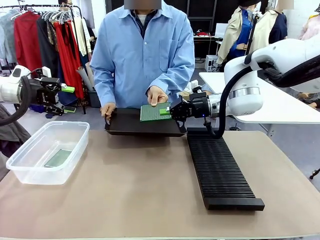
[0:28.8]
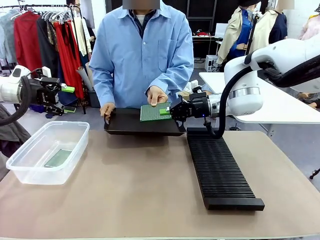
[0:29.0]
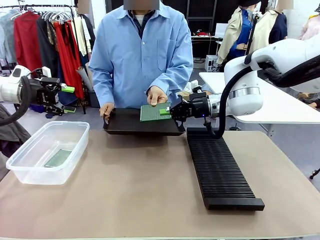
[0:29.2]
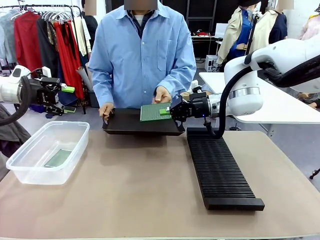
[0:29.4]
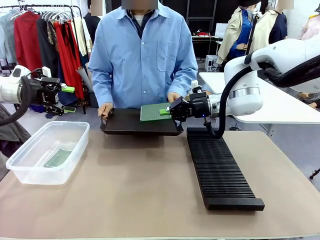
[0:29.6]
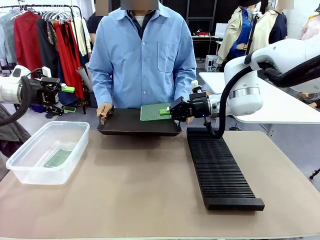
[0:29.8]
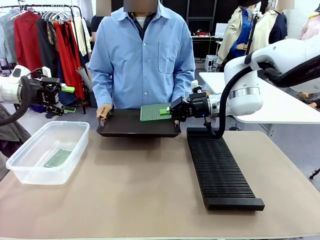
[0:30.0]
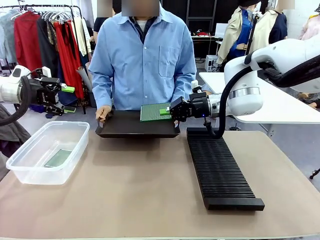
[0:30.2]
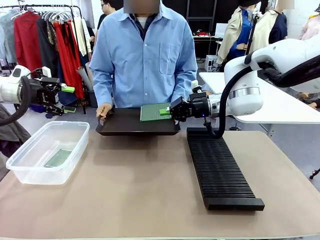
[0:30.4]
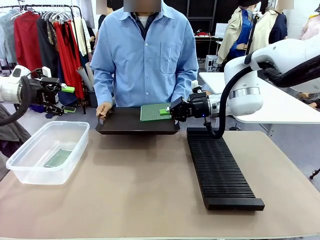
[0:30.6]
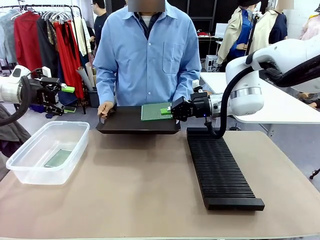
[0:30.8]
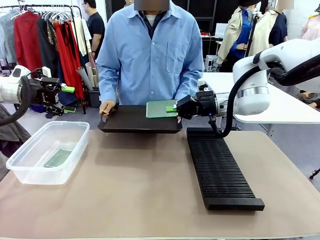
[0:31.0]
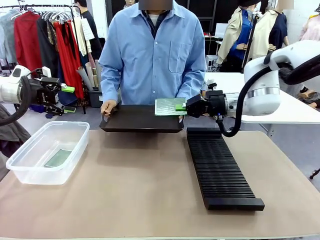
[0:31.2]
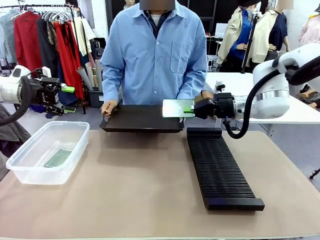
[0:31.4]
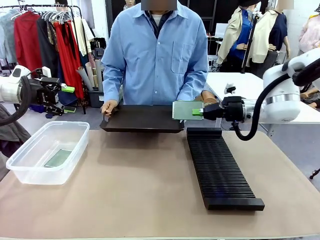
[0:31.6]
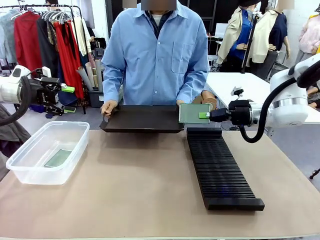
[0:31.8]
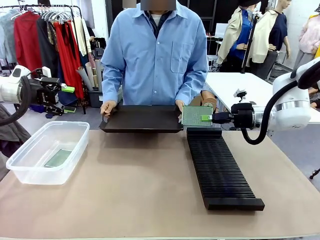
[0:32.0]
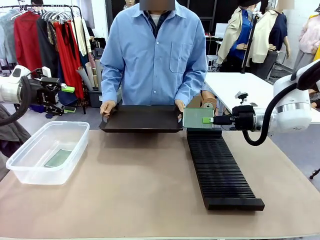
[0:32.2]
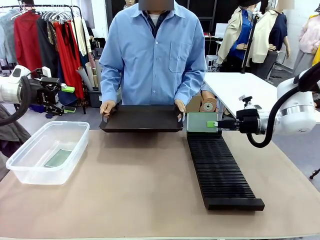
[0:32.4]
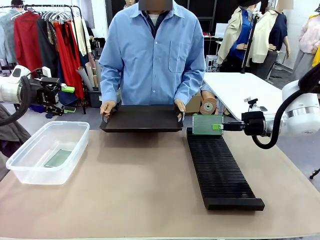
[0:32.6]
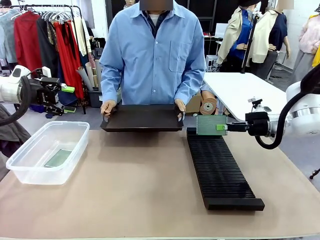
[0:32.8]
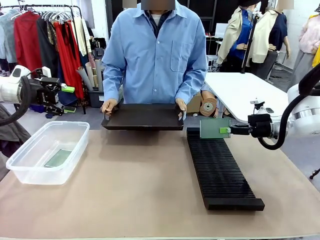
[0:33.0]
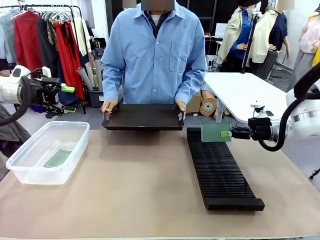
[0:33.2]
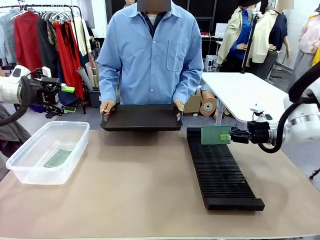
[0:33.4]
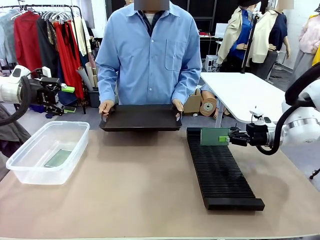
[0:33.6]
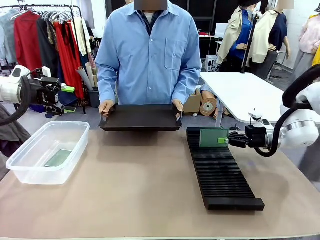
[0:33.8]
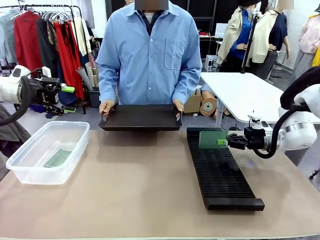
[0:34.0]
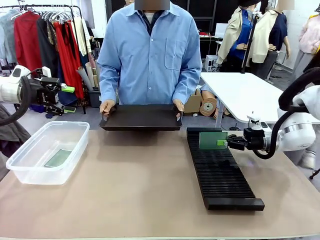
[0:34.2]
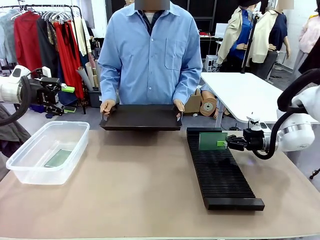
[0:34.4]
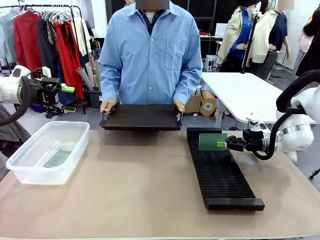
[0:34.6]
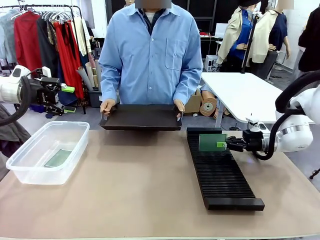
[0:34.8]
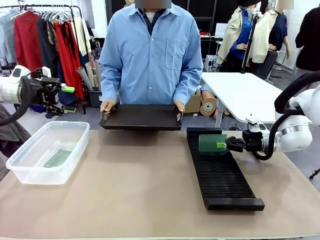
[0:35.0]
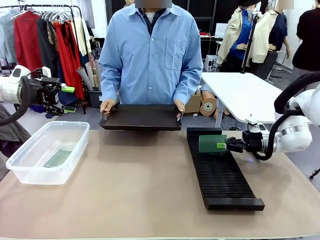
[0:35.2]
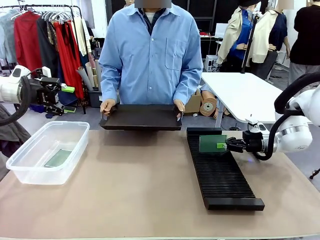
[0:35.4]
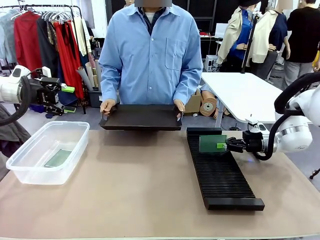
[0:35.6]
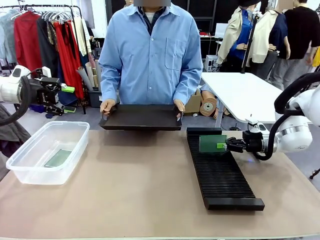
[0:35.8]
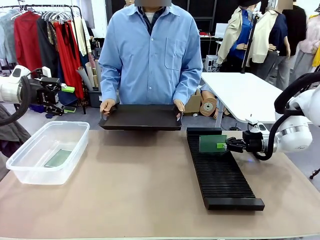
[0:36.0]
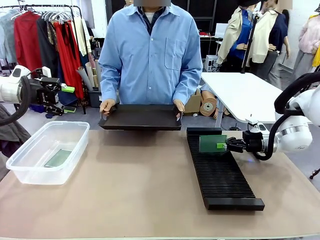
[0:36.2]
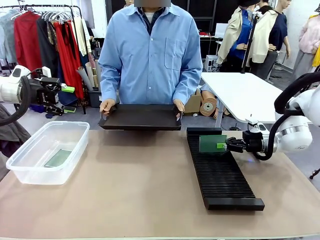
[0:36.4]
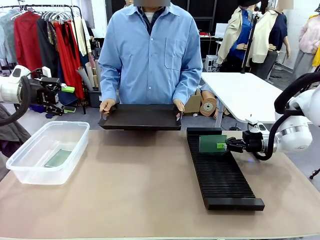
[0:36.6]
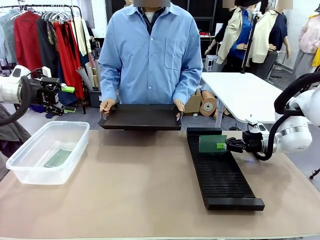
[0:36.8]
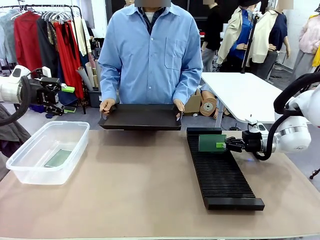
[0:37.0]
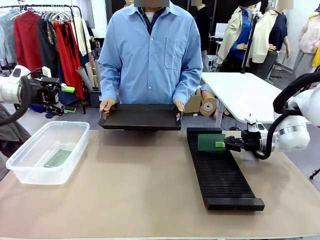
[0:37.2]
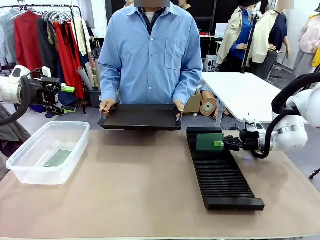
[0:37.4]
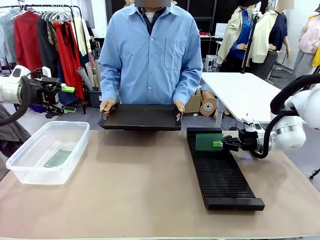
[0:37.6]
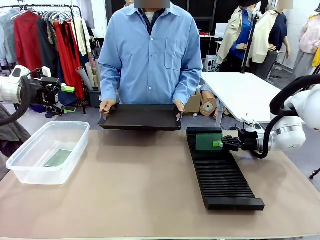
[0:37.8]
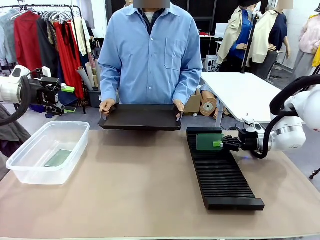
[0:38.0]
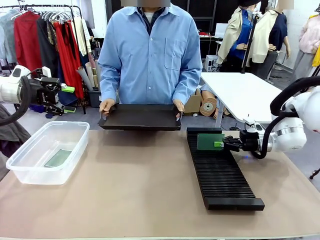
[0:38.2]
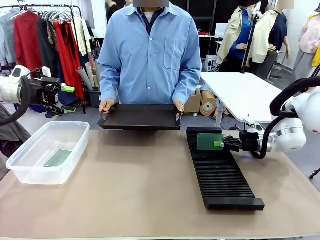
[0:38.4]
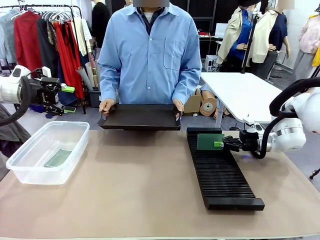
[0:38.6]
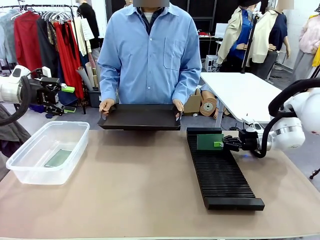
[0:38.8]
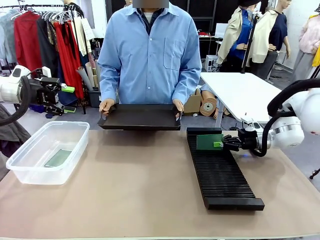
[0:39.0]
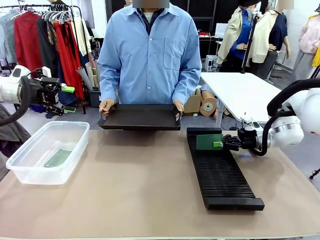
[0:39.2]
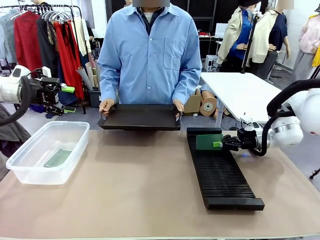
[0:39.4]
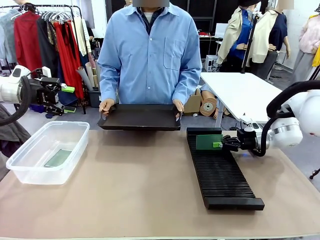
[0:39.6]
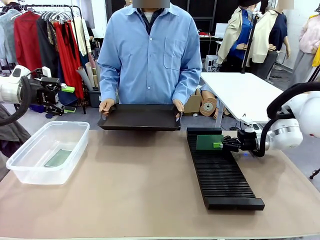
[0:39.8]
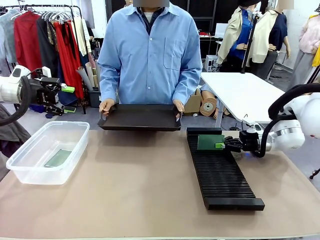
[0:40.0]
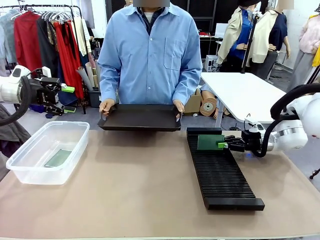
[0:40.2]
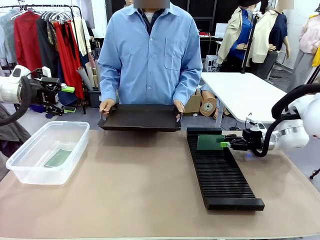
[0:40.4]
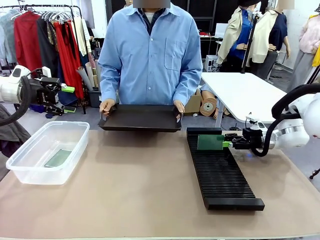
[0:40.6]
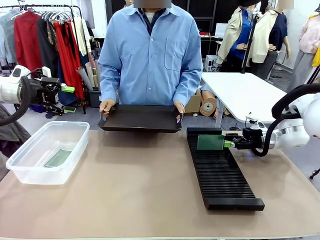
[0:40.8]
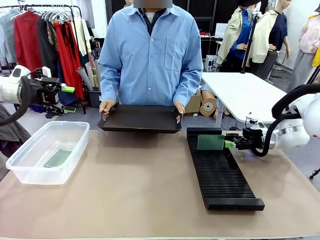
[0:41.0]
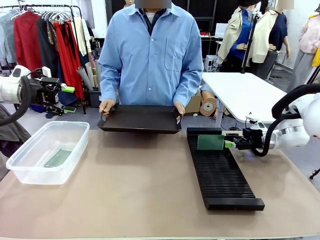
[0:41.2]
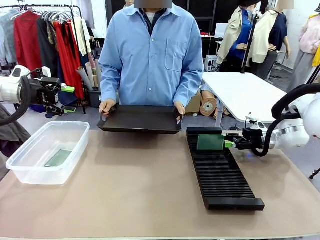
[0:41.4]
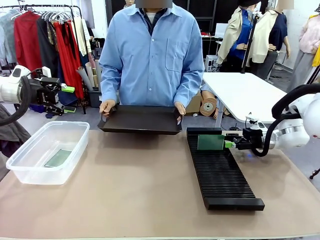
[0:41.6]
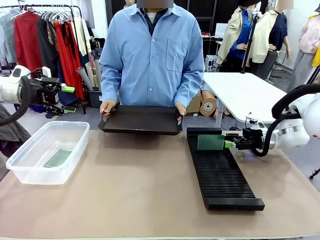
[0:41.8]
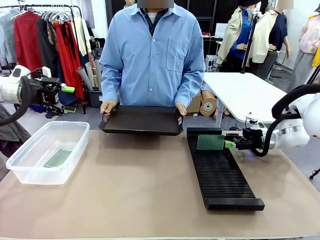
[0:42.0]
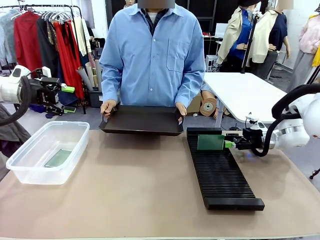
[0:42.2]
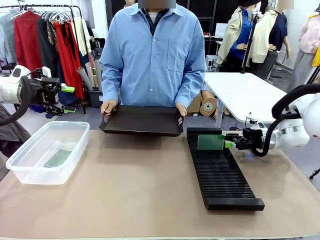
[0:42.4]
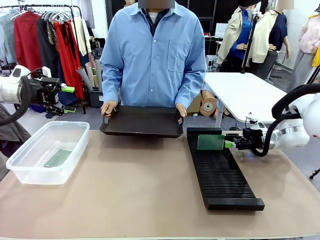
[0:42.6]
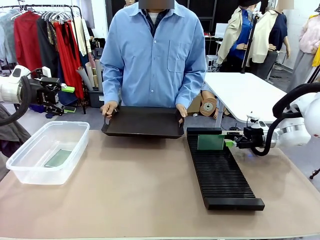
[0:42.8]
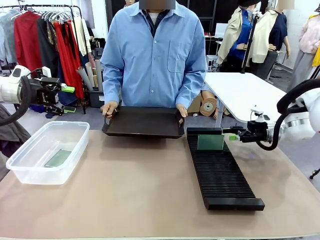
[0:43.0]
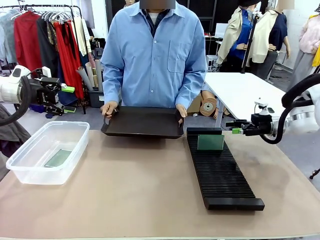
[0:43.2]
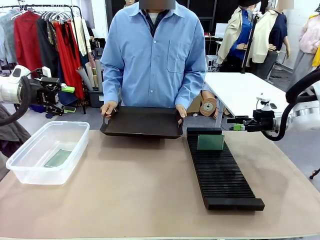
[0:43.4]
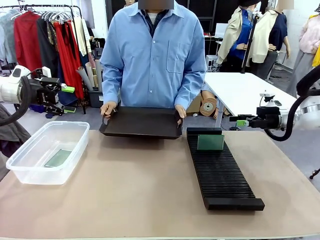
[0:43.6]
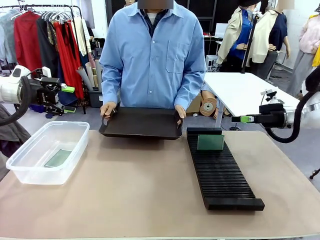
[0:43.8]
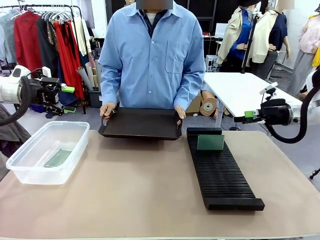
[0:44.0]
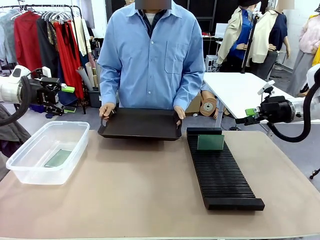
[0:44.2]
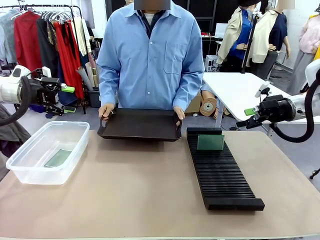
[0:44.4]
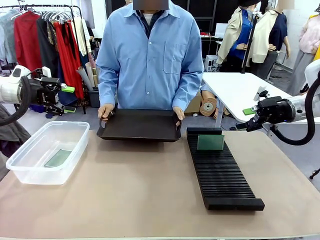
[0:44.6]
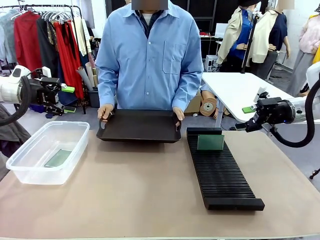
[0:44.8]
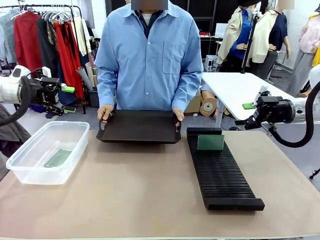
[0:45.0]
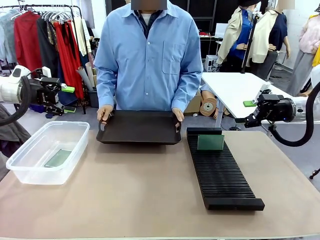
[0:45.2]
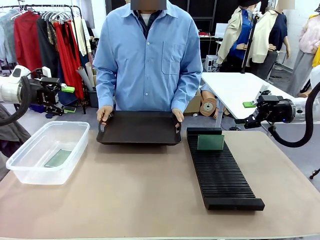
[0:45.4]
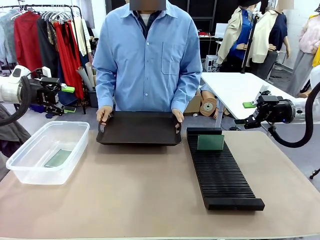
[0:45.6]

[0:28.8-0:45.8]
Task: Sort PCBs into racks and boxes based on the side picked up.
Robot: If the short side of the Blank PCB is picked up, insert it into the PCB Rack ; if the long side is picked up, place it in the Organizing box.
Person: Release the PCB being held.
